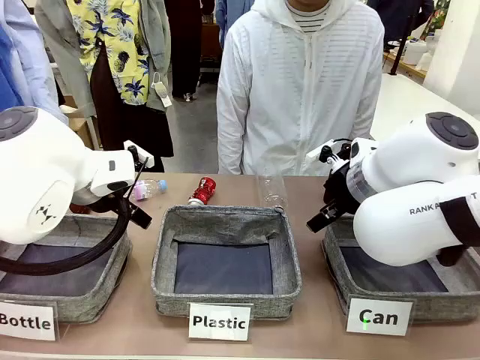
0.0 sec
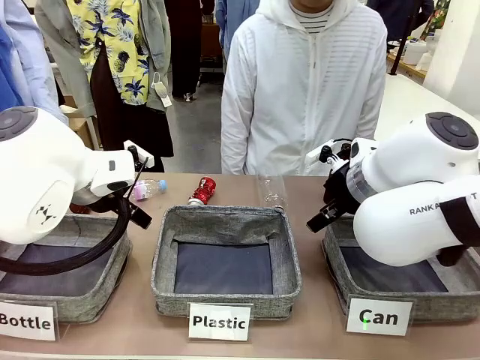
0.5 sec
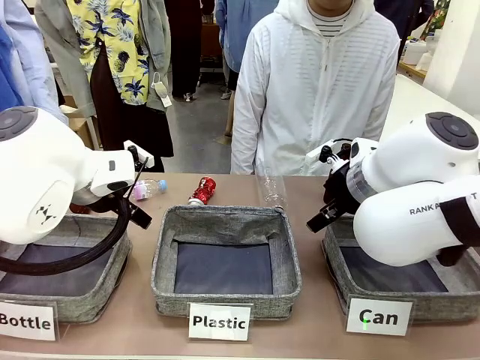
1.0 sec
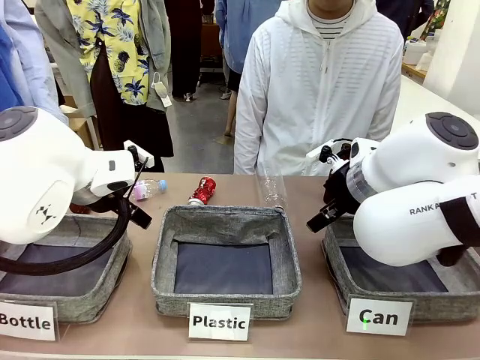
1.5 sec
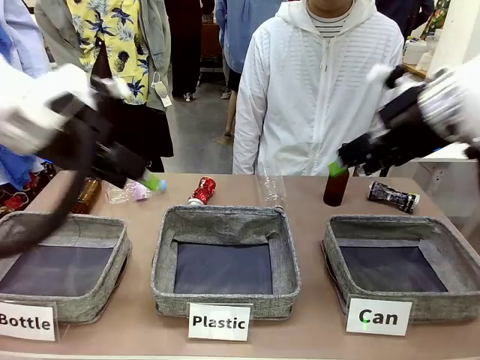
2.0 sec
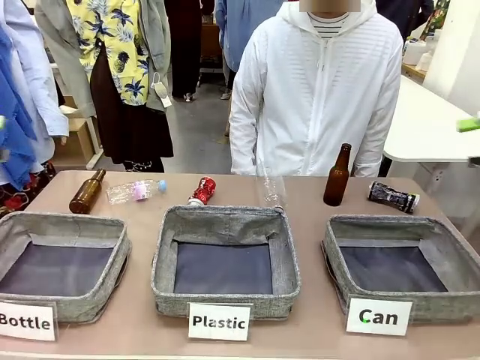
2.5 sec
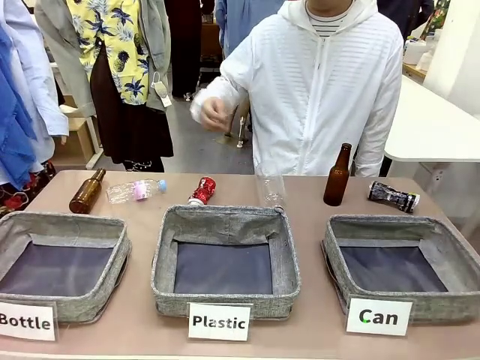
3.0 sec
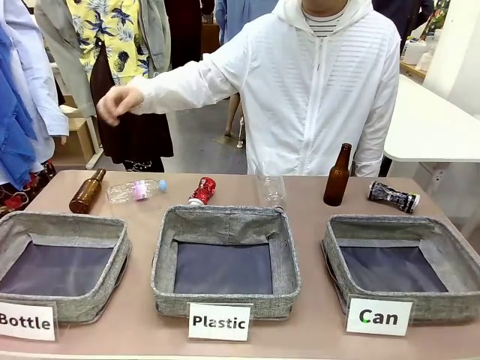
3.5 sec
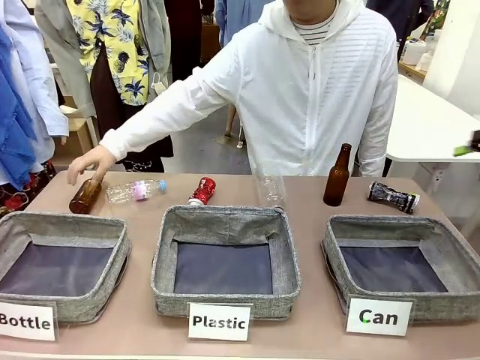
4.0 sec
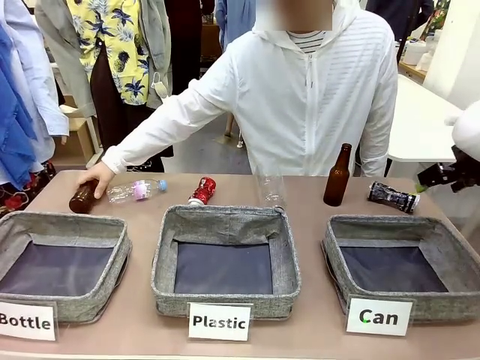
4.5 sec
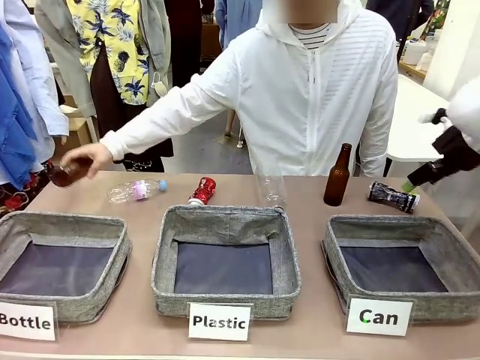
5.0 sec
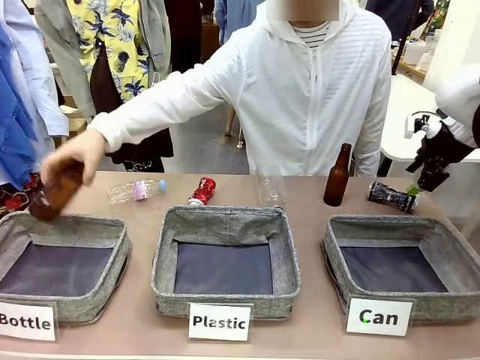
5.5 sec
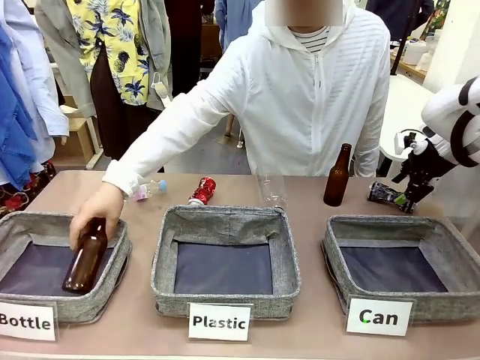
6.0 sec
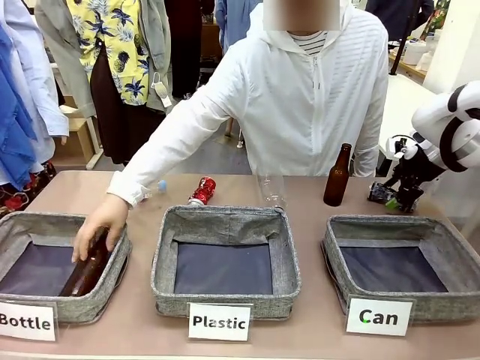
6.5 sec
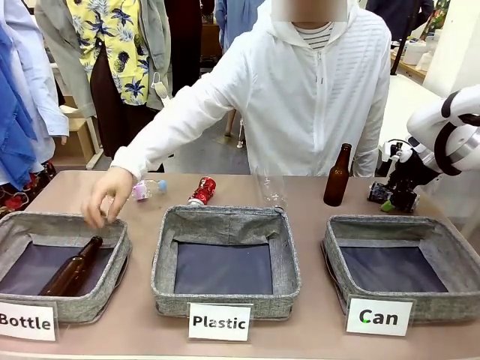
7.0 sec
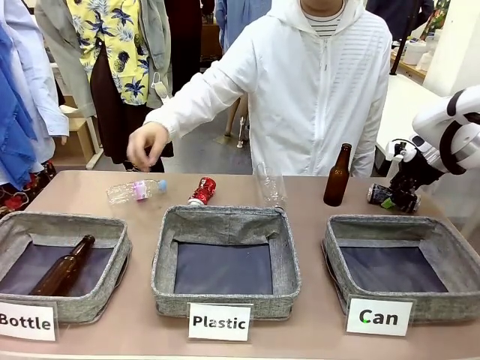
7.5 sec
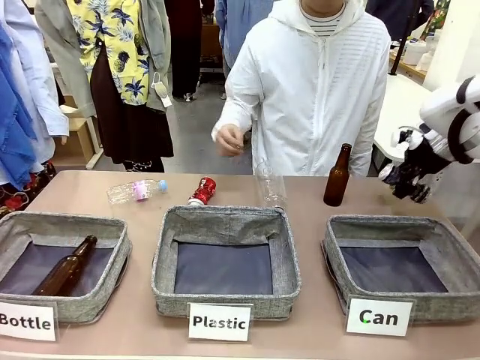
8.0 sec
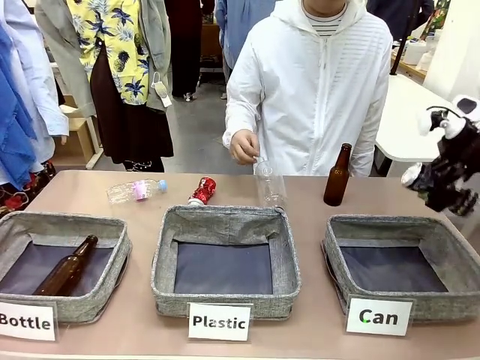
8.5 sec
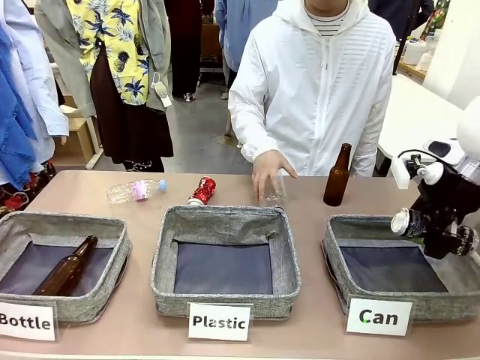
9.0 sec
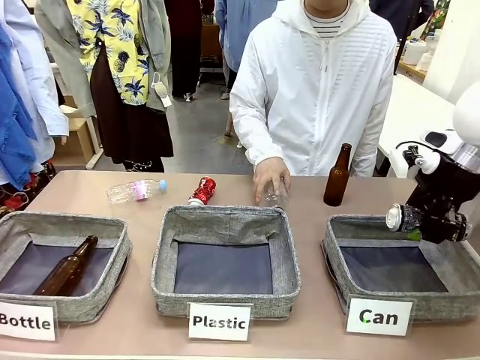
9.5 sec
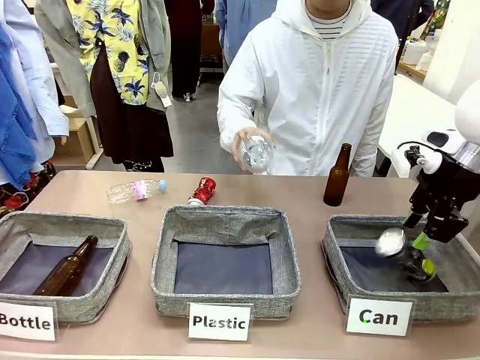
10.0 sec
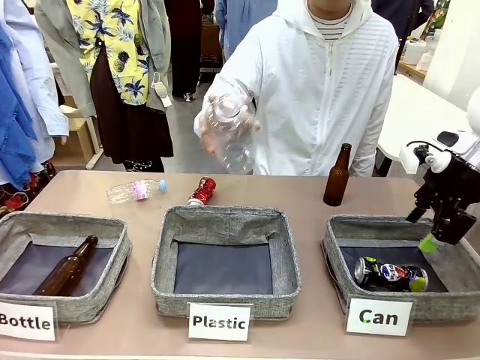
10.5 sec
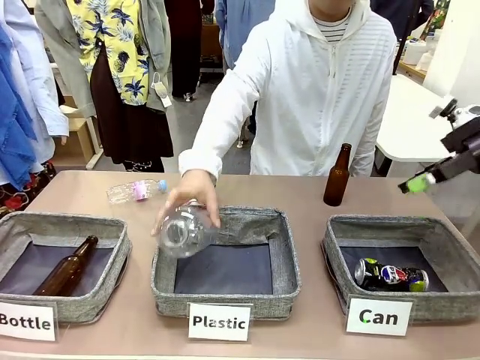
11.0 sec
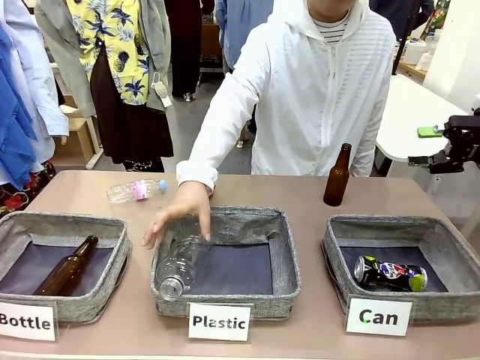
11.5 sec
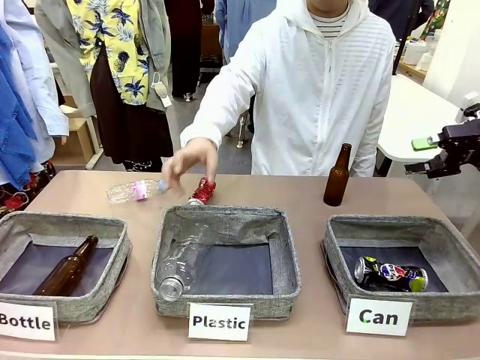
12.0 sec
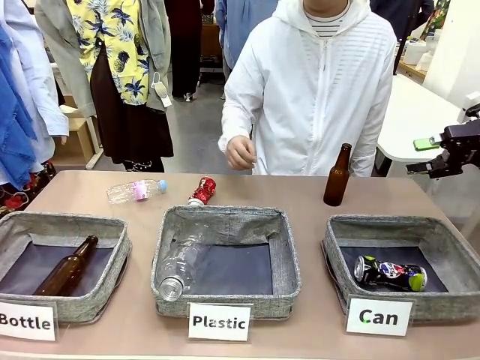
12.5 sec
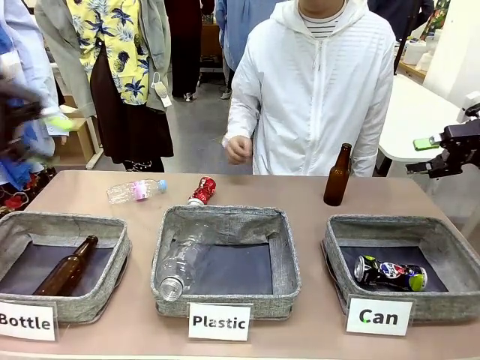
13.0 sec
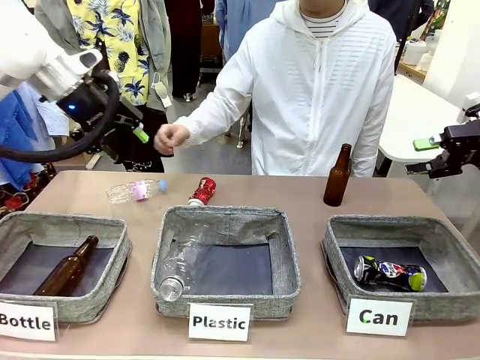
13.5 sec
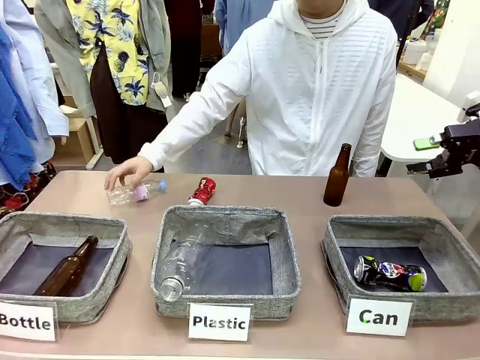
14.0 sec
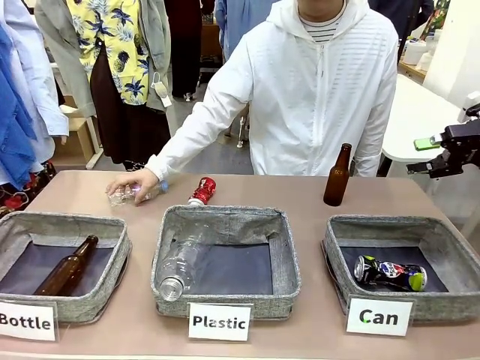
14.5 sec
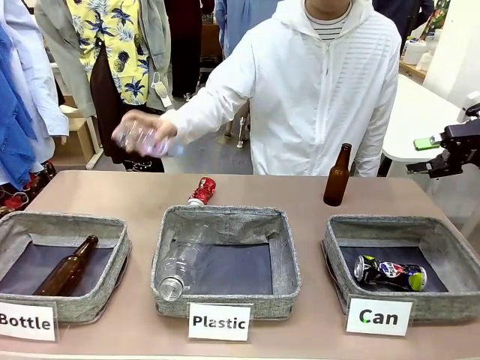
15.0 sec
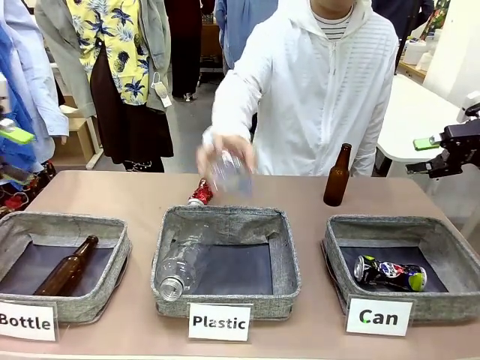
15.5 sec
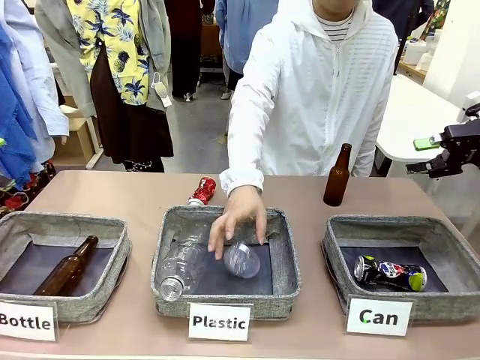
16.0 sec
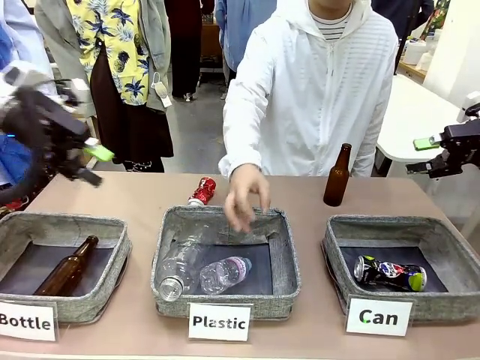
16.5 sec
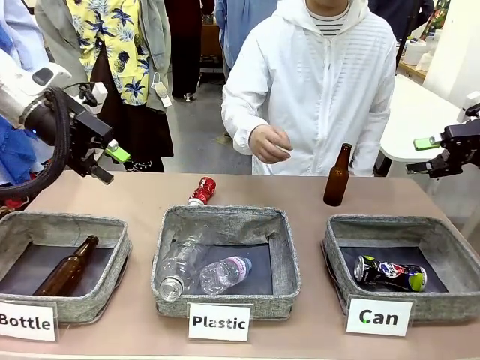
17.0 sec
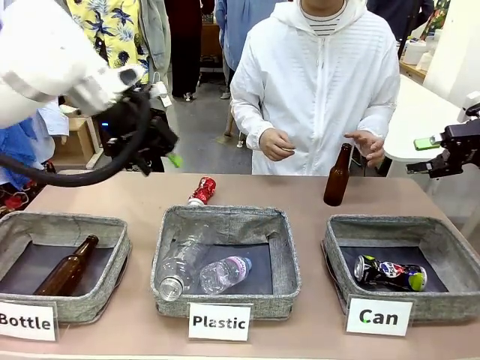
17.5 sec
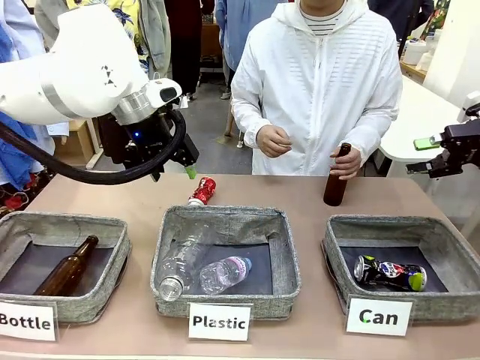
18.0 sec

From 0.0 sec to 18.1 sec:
Task: Sort the can waste into the basket.
Robot: Pick up the can waste from the table and place it in the right Fabric basket.

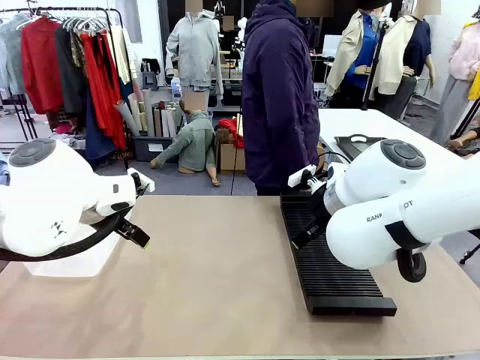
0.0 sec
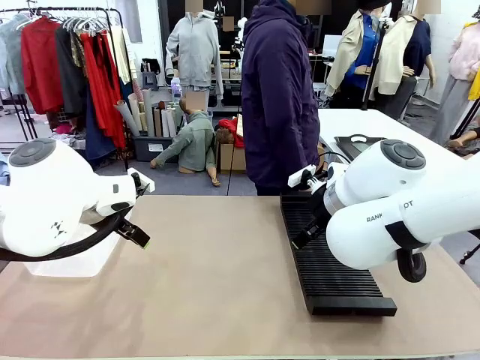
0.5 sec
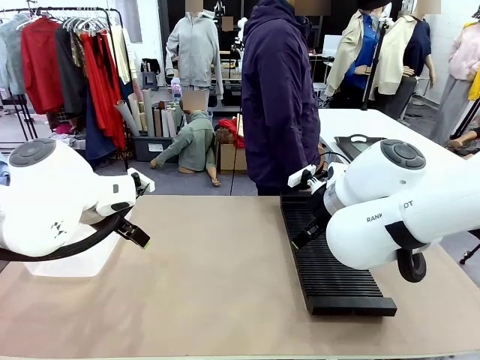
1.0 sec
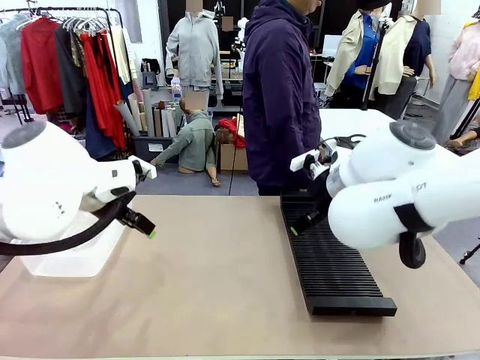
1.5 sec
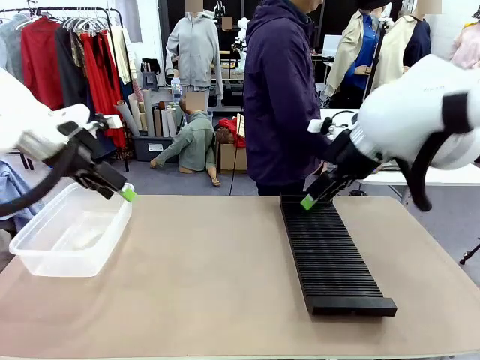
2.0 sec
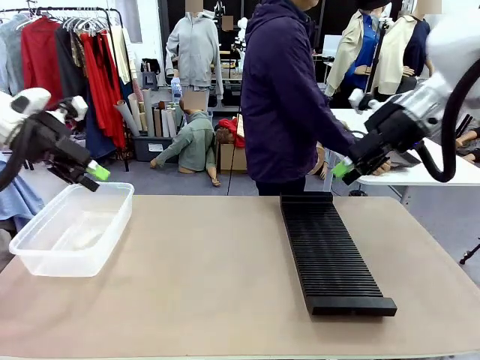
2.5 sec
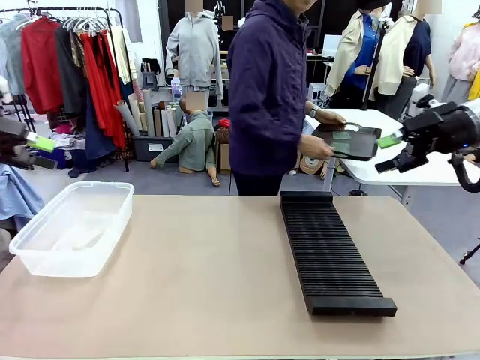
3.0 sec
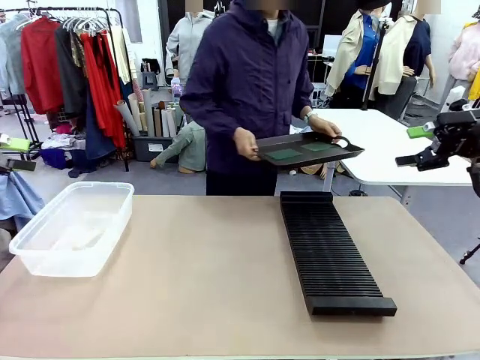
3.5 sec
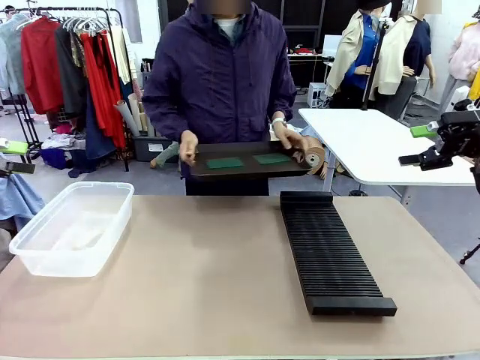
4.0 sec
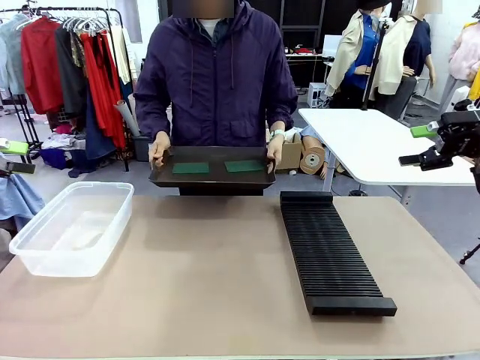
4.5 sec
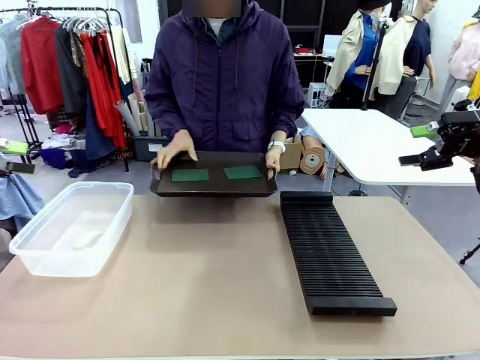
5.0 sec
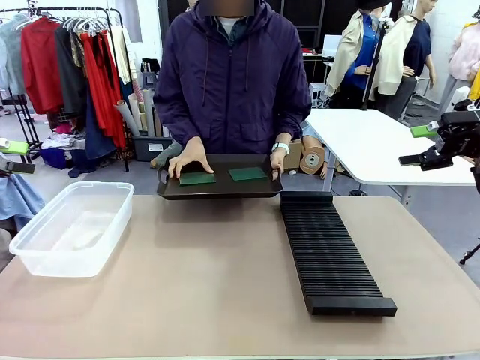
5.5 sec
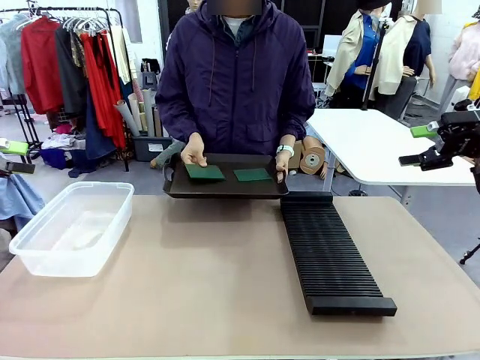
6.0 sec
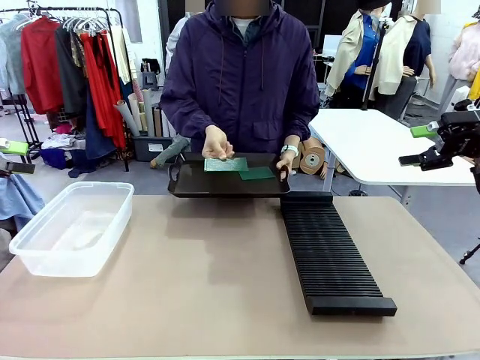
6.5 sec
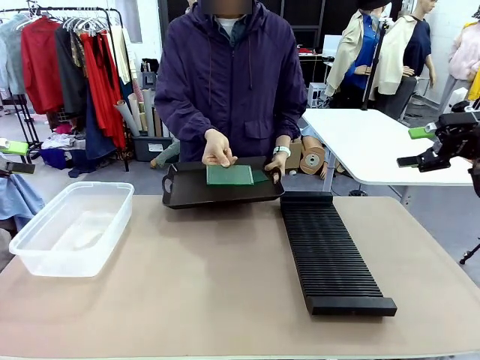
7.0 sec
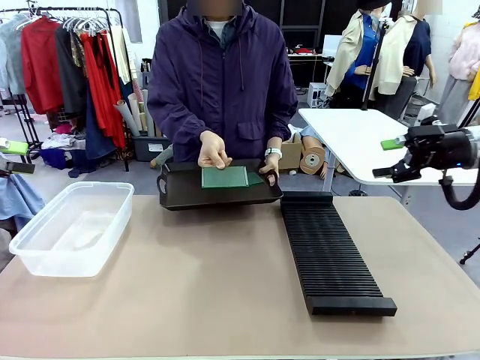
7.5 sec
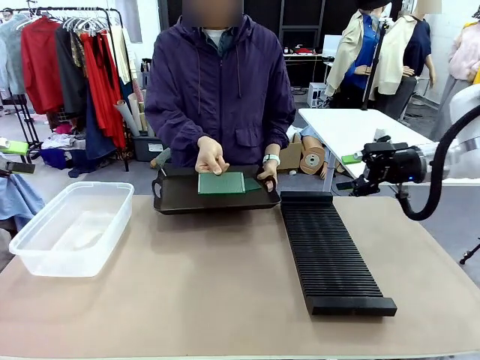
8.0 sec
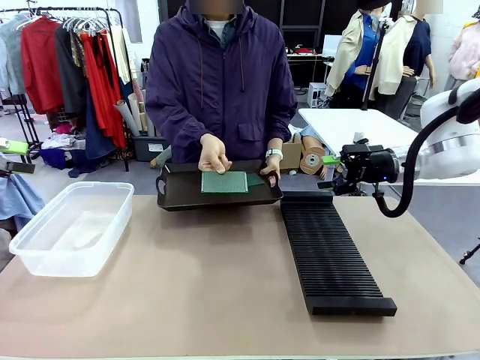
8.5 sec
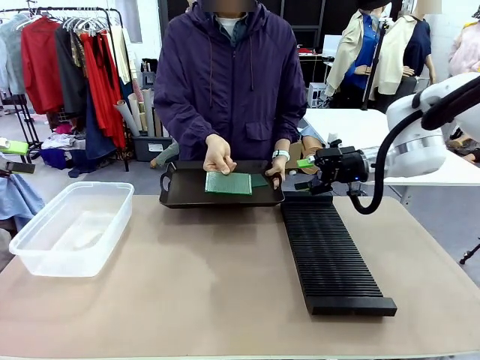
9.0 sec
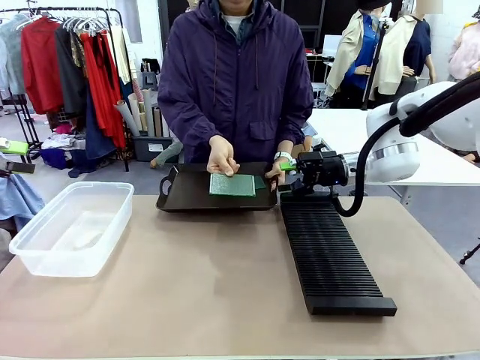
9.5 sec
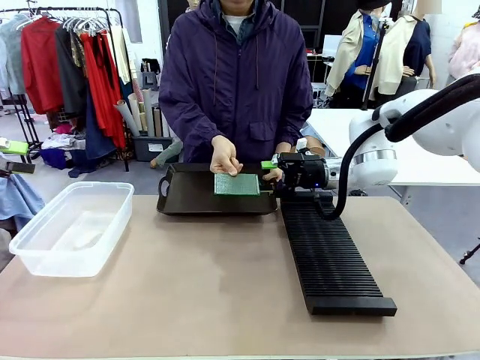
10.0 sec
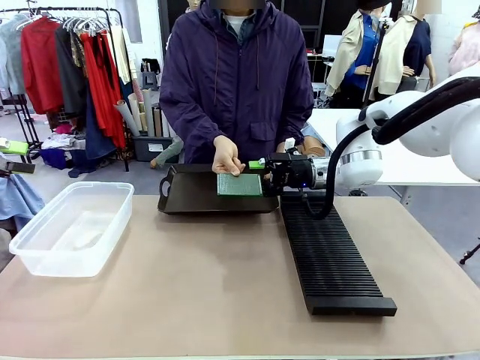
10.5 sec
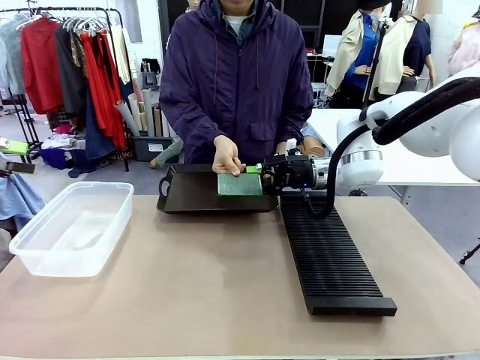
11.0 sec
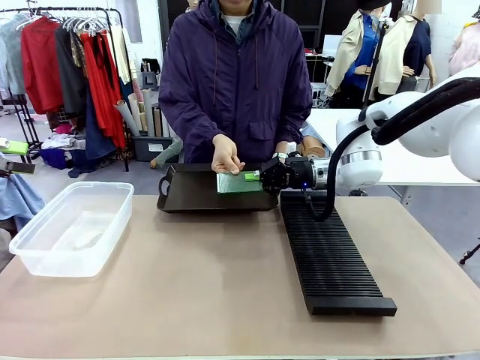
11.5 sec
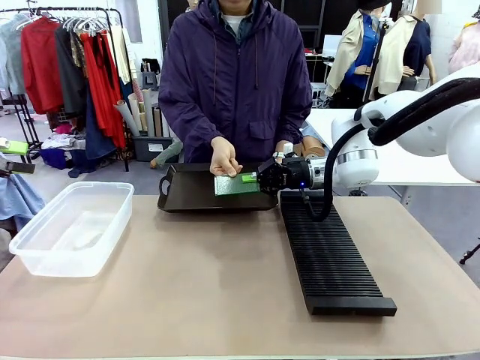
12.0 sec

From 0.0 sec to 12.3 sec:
Task: Sort PCBs into racks and boxes based on the side picked up.
Robot: Pick up the Blank PCB handed by the Human.
Person: Pick one PCB from the tray and present it to the robot. Release the PCB being held.
